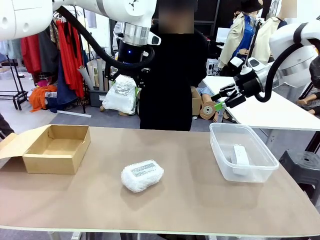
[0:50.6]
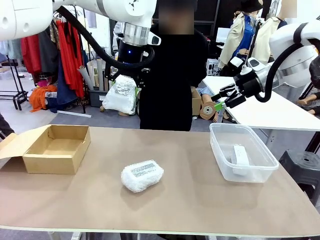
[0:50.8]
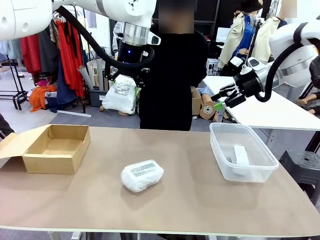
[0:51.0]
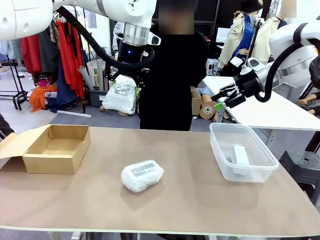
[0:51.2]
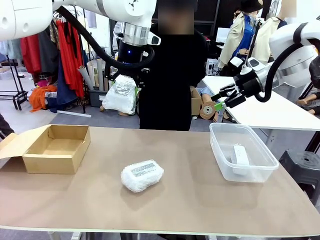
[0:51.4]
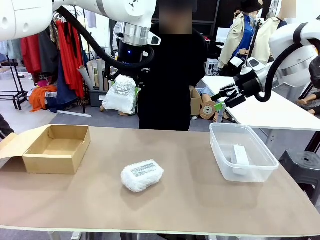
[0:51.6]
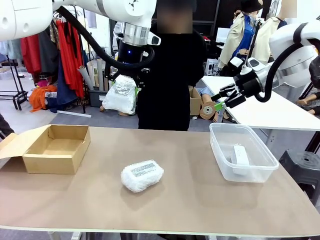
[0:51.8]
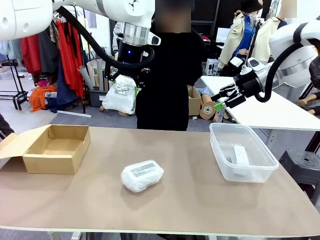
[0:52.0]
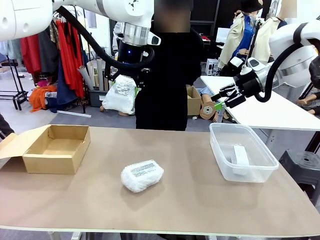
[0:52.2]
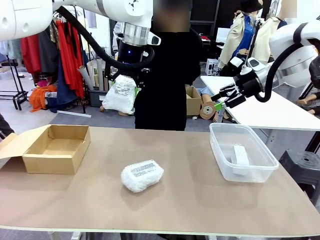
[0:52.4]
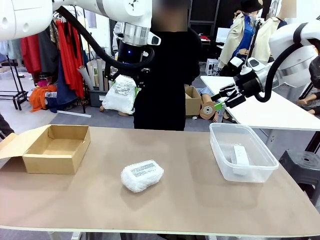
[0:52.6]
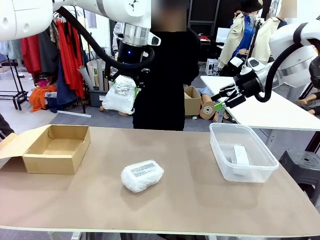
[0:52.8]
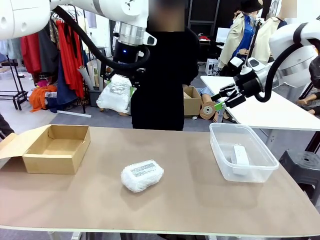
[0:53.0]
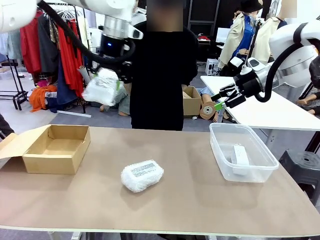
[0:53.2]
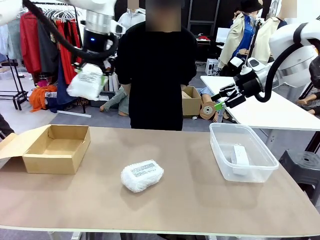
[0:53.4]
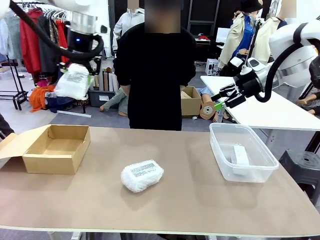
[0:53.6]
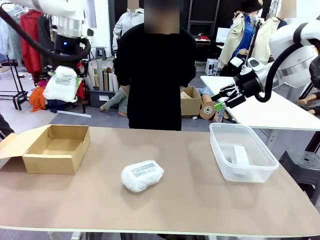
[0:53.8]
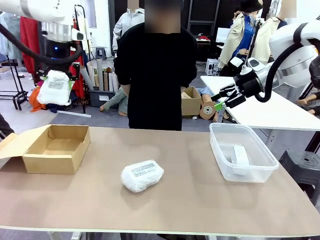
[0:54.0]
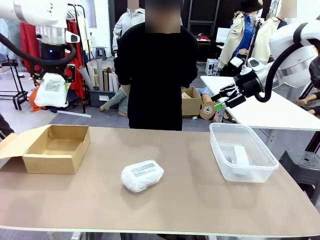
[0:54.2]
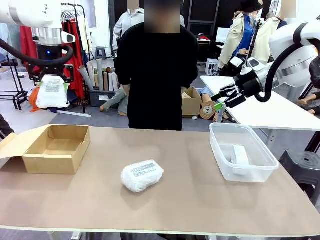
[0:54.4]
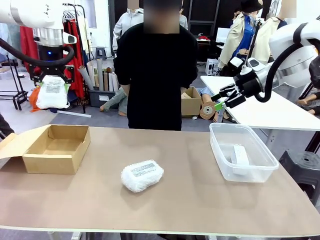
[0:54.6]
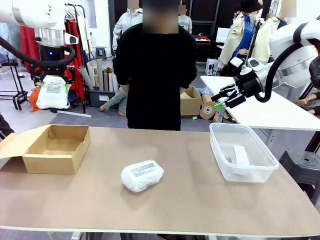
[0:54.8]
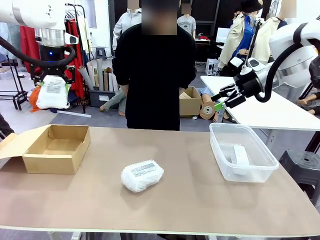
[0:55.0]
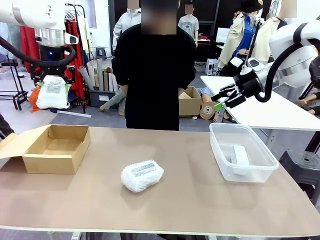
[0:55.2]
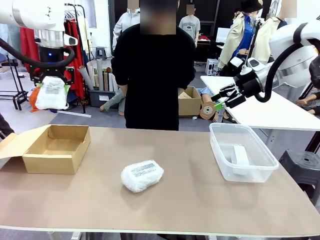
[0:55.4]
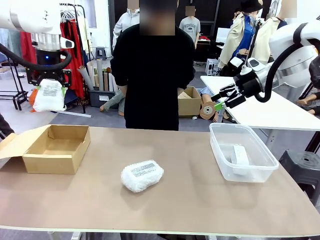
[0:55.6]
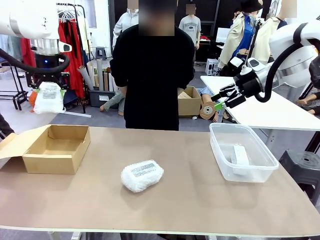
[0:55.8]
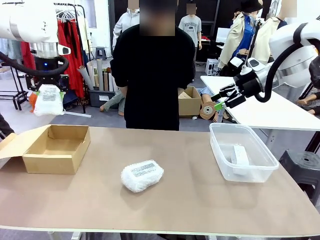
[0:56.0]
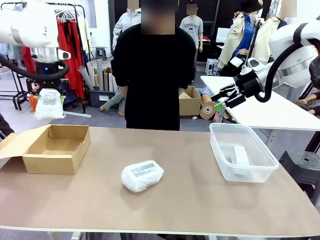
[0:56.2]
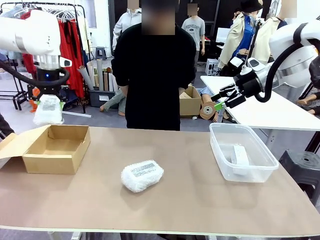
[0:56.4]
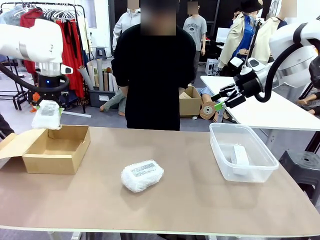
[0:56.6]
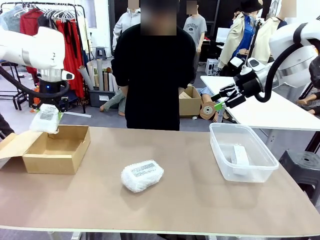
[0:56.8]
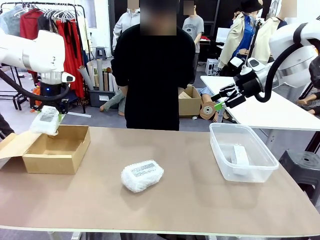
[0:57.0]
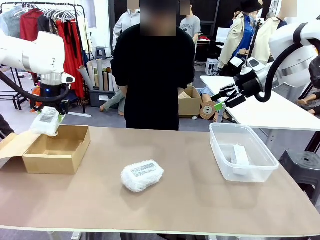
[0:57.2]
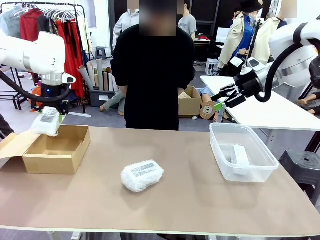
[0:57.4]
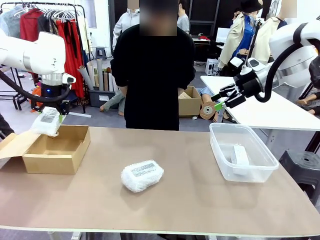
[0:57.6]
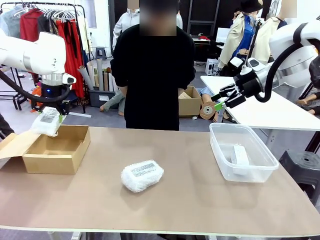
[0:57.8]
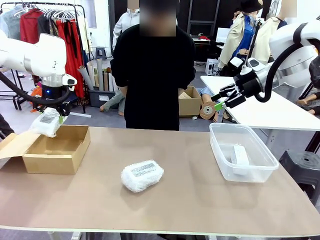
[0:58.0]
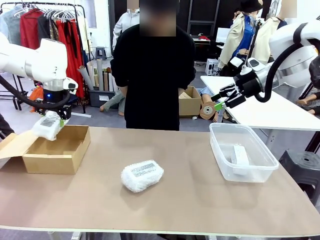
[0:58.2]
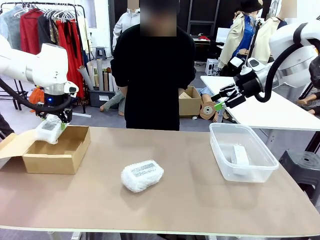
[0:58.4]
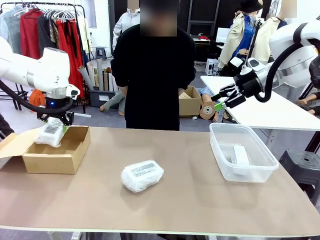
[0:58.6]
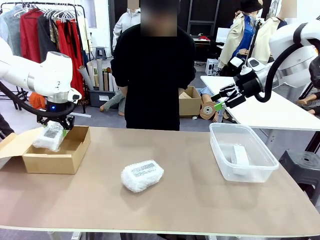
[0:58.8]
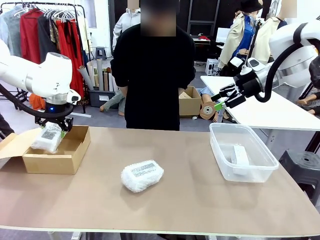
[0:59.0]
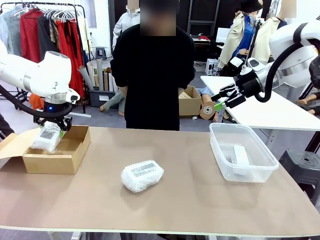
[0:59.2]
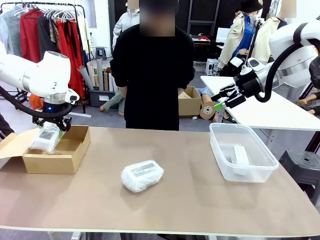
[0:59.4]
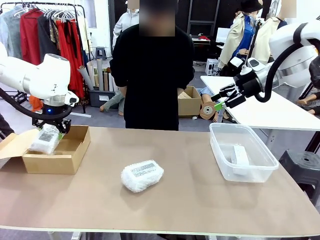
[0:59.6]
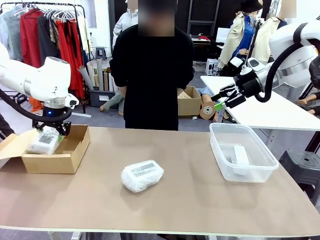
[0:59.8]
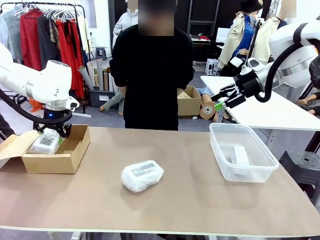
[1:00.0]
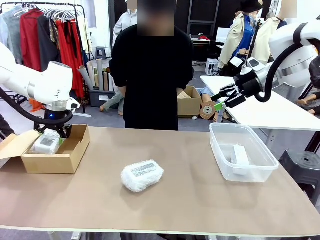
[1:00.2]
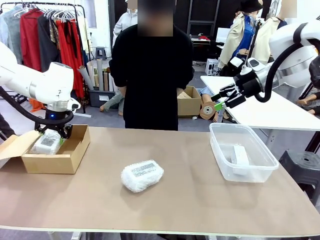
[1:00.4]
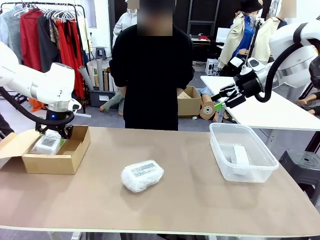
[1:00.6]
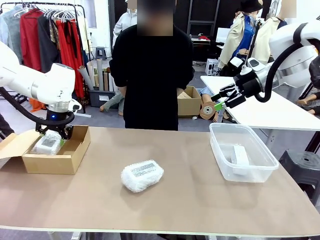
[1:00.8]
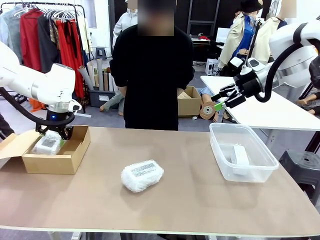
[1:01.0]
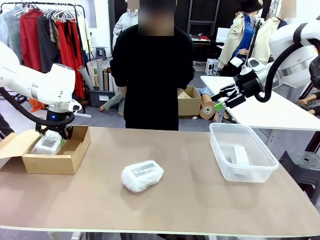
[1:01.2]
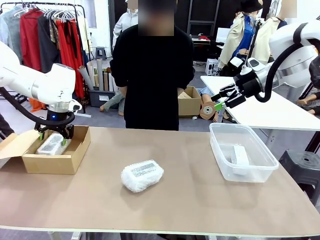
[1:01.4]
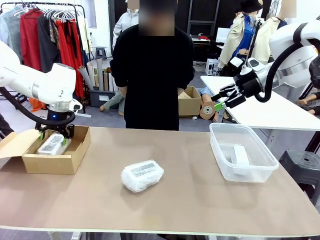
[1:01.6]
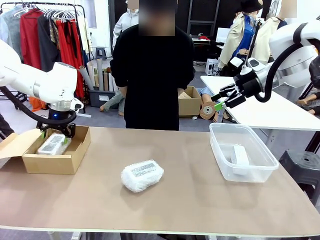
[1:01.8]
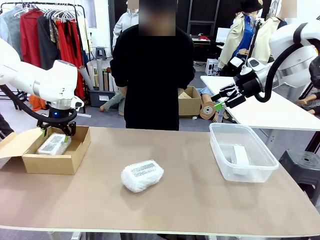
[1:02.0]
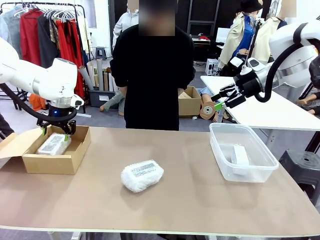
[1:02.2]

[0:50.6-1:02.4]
Task: Separate and place wrapped and unwrapped clocks.
Robot: If the picked Digital clock is wrapped, place it in the Package Box ; if not, place it in the Organizing box.

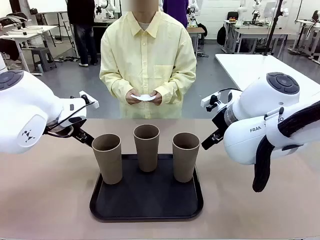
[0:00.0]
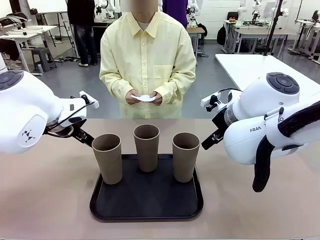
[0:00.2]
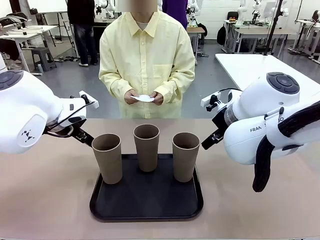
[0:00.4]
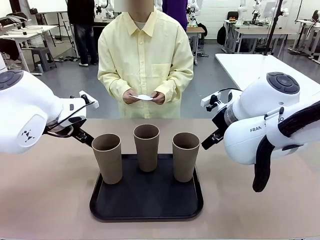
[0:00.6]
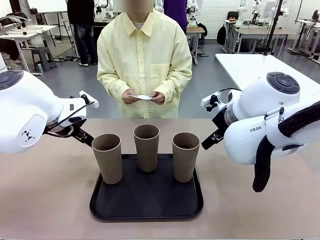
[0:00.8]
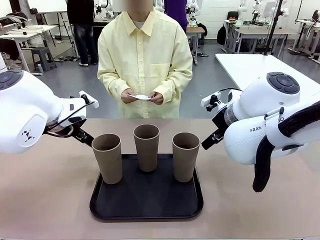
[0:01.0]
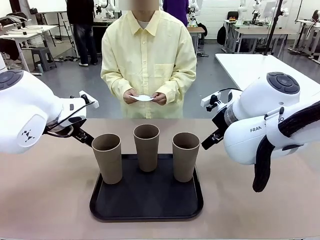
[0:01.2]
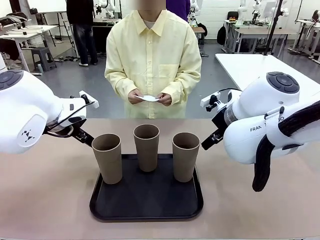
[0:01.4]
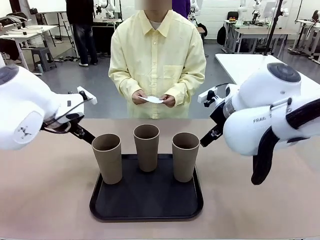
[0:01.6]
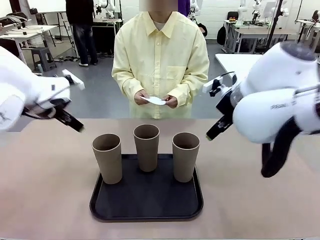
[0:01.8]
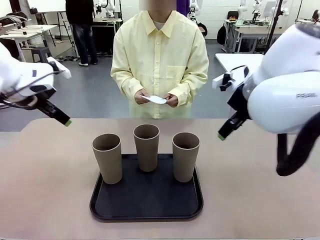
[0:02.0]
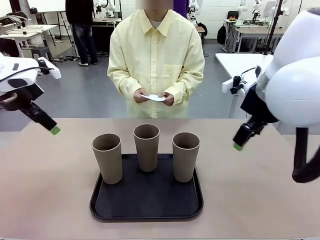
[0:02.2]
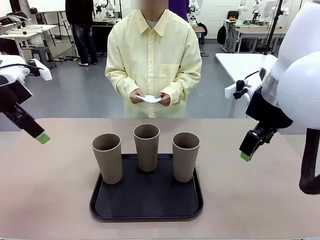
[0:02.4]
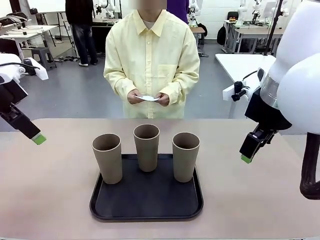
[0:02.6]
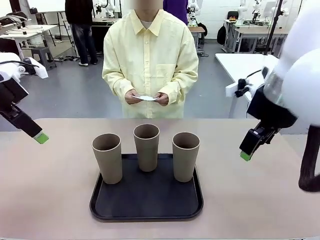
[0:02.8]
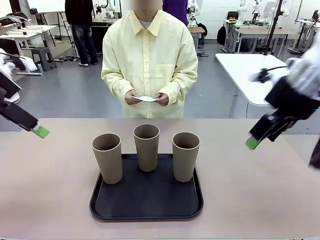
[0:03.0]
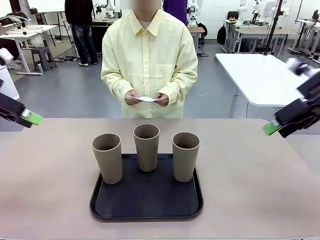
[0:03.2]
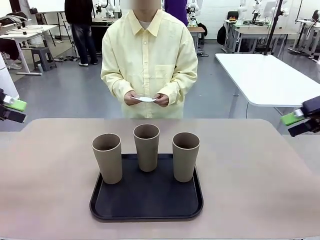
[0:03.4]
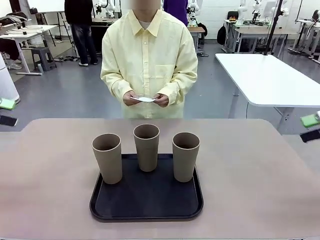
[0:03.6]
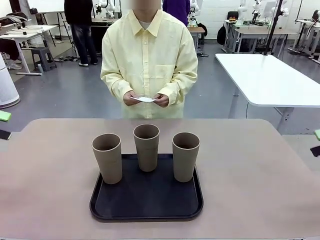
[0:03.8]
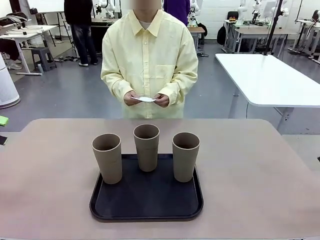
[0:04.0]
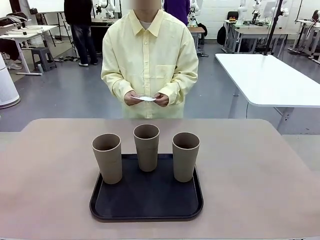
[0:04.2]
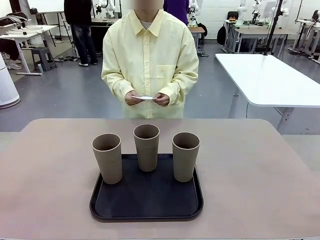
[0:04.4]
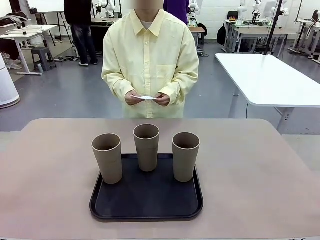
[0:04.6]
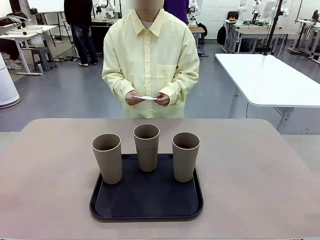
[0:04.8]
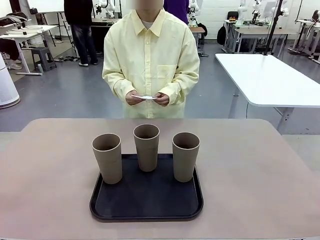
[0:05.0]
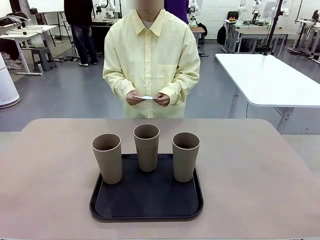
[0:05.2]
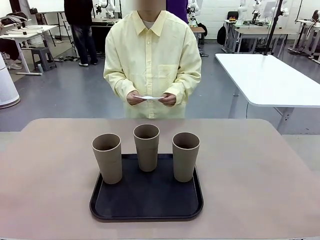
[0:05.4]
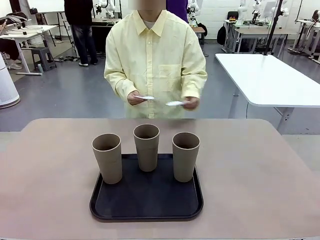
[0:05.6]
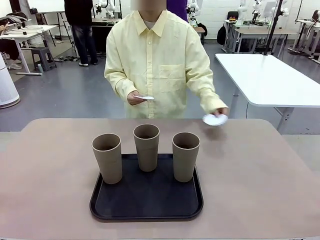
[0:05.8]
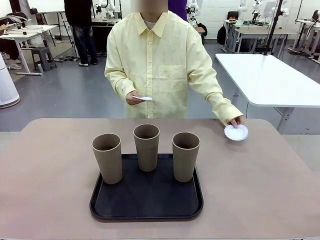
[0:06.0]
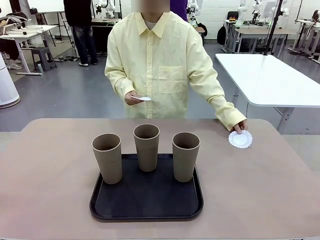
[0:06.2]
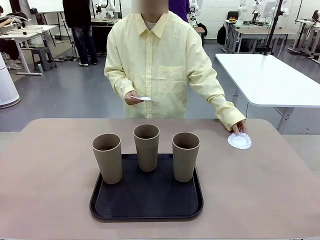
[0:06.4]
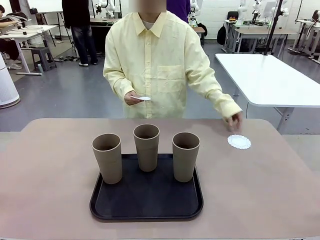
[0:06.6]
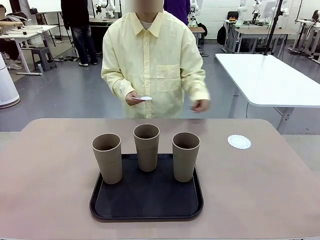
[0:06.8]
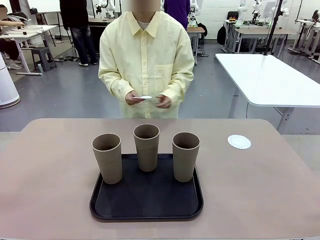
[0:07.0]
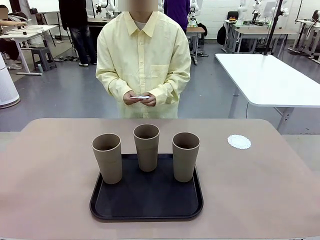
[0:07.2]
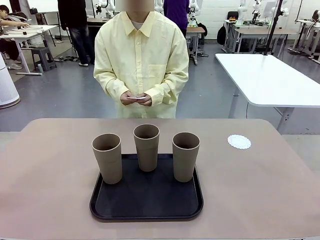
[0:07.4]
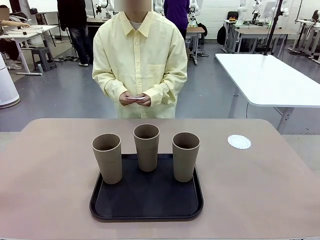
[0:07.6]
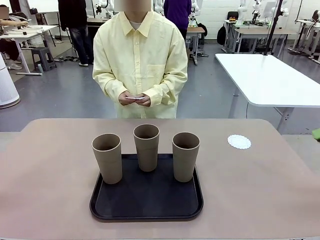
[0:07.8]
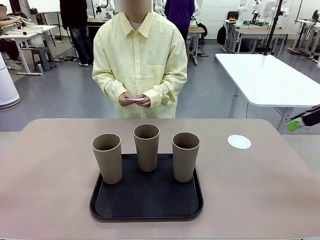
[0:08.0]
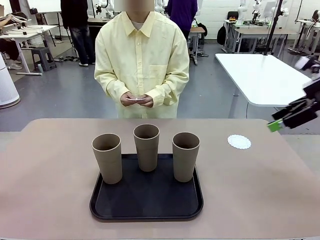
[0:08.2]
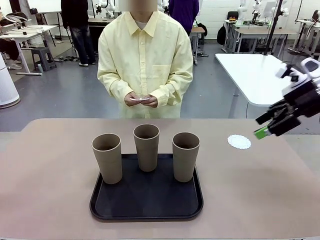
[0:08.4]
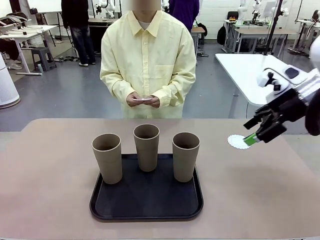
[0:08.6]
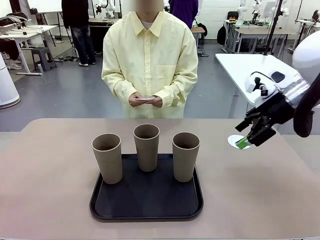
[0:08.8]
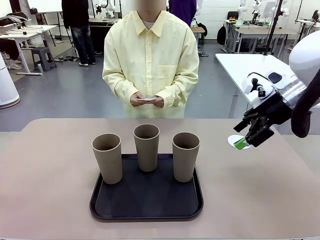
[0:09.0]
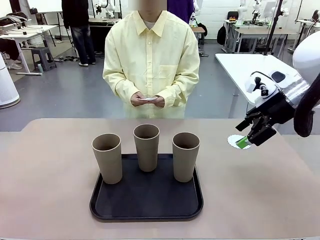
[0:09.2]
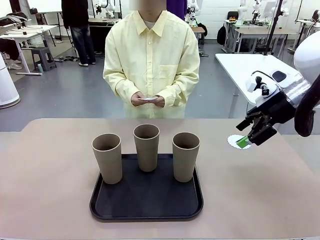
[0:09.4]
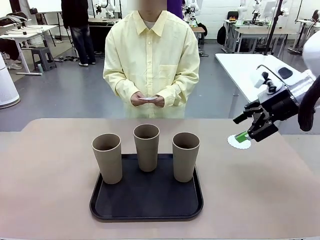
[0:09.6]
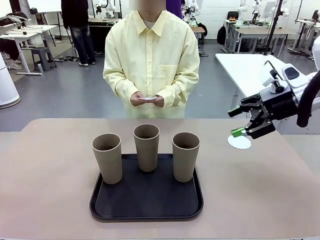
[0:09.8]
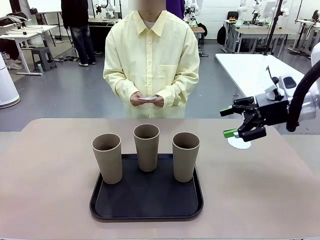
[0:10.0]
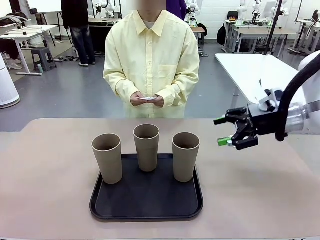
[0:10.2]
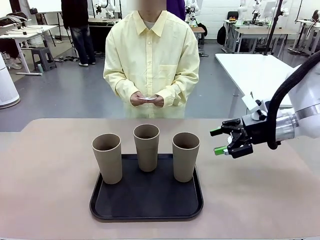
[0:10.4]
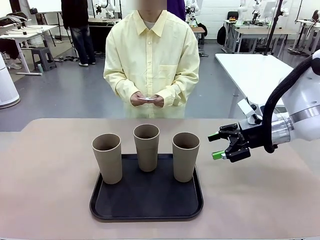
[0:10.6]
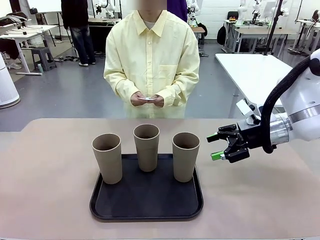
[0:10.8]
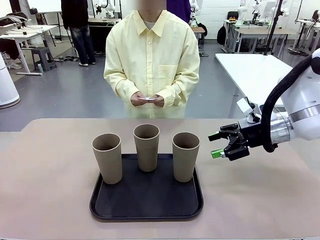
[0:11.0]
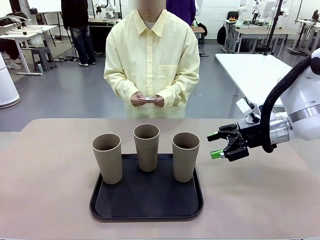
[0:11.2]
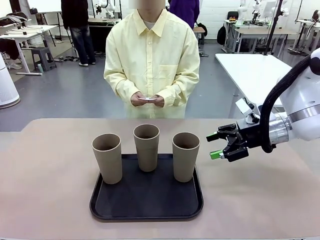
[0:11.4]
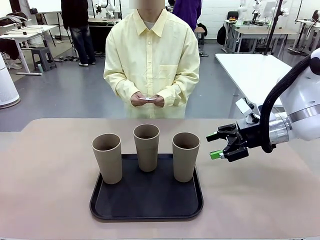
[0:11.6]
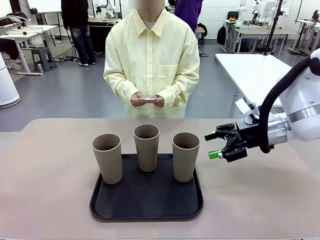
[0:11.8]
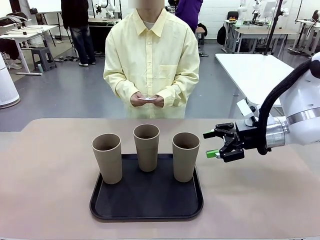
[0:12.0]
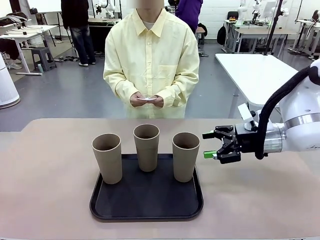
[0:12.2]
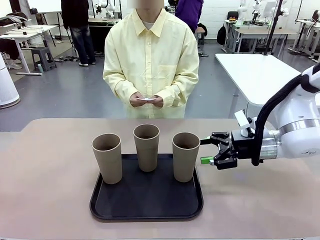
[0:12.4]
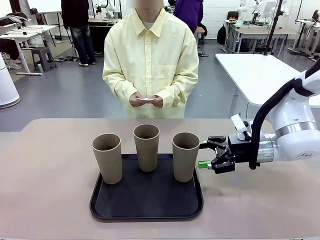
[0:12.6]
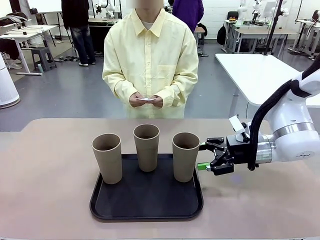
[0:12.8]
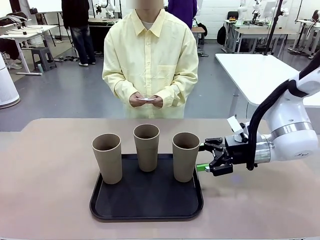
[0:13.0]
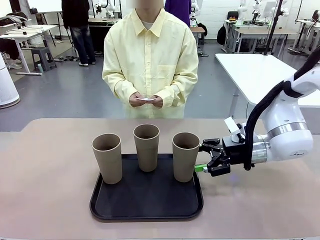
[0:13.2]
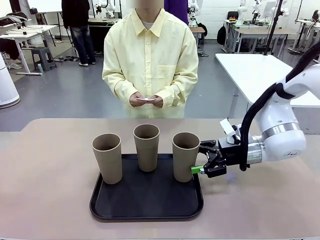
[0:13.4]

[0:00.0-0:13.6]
Task: Place coasters on the table and set cups on them.
Robot: Pick up one Reusable plastic cup and place it on a coaster set by the human.
Person: Place one coaster in any one of the three lower areas of the robot table (left, center, or right).
